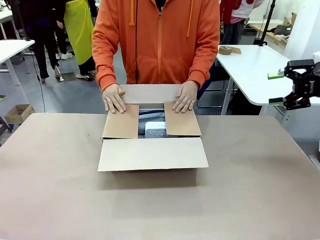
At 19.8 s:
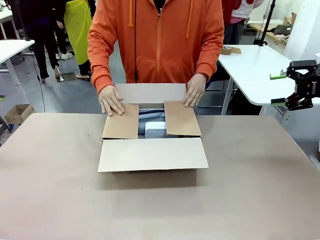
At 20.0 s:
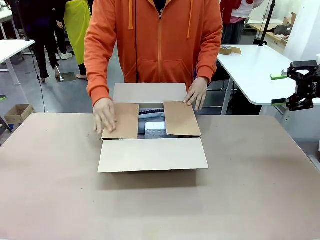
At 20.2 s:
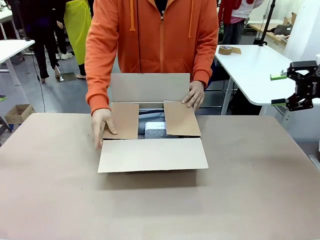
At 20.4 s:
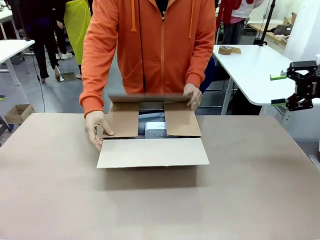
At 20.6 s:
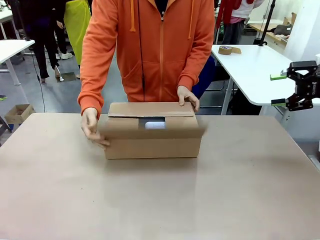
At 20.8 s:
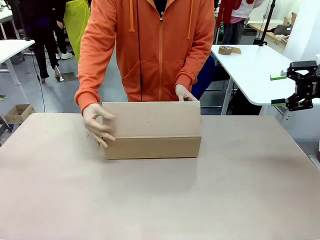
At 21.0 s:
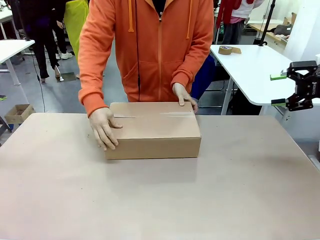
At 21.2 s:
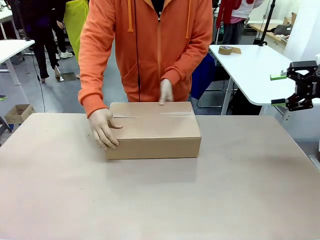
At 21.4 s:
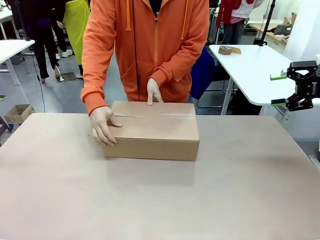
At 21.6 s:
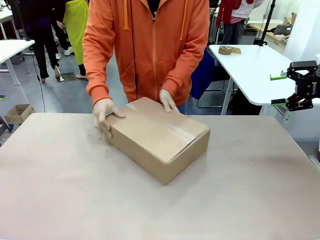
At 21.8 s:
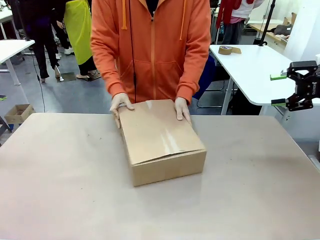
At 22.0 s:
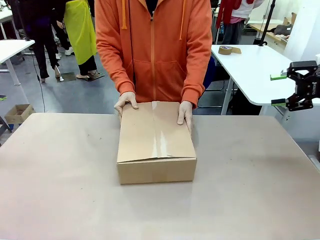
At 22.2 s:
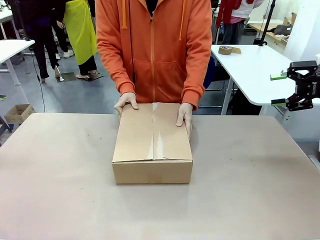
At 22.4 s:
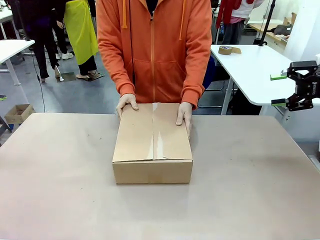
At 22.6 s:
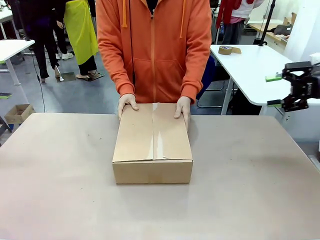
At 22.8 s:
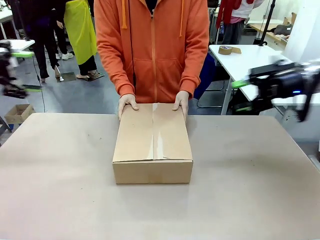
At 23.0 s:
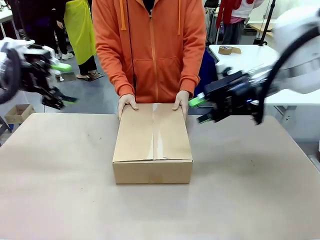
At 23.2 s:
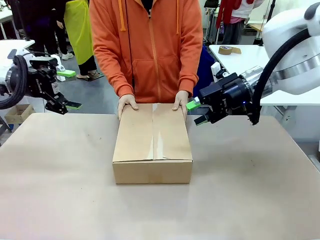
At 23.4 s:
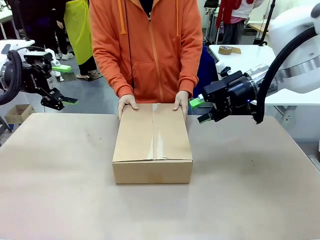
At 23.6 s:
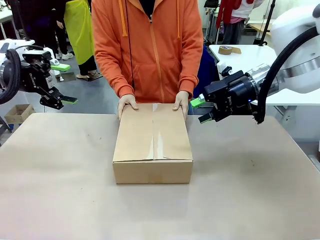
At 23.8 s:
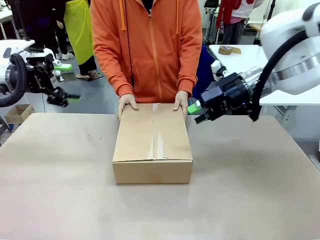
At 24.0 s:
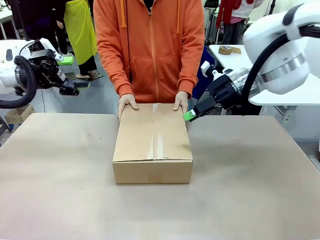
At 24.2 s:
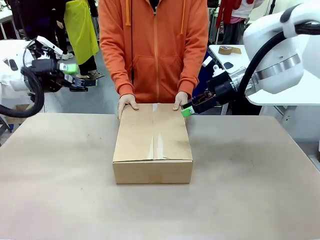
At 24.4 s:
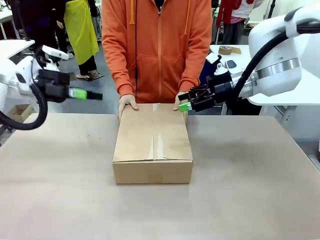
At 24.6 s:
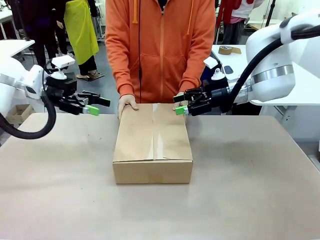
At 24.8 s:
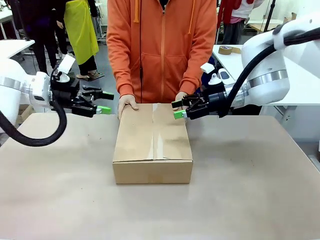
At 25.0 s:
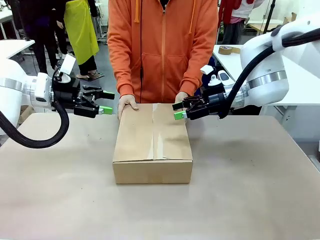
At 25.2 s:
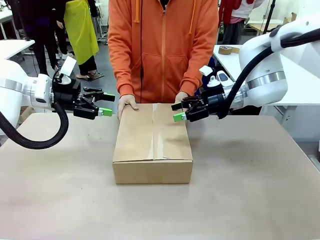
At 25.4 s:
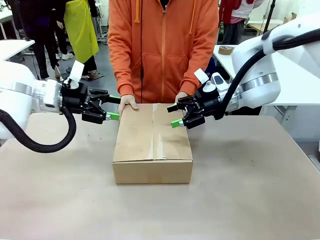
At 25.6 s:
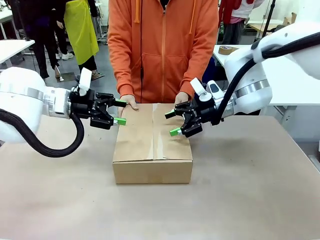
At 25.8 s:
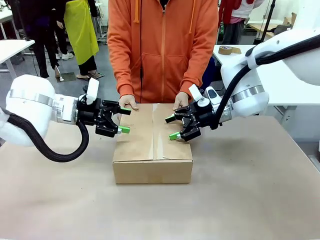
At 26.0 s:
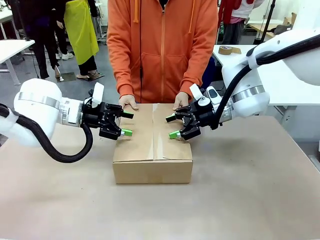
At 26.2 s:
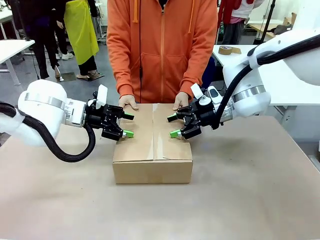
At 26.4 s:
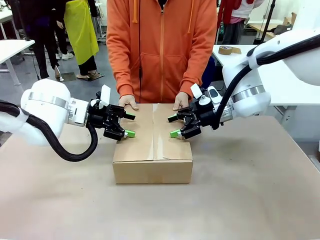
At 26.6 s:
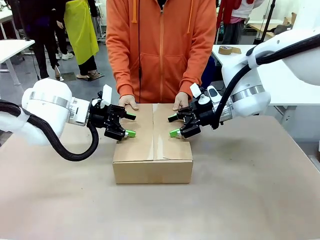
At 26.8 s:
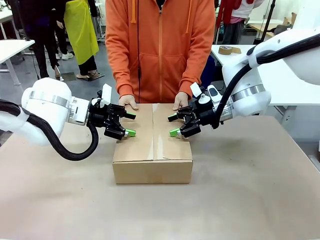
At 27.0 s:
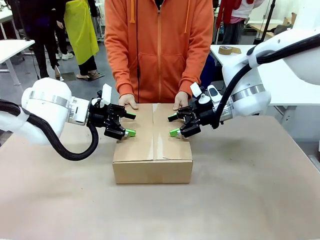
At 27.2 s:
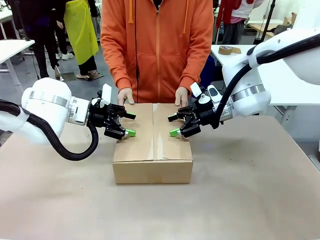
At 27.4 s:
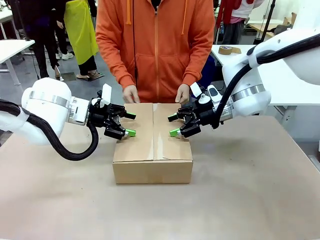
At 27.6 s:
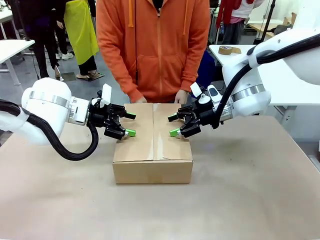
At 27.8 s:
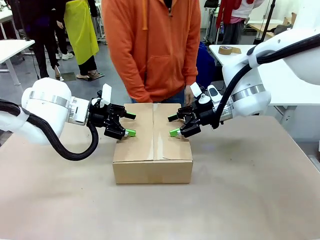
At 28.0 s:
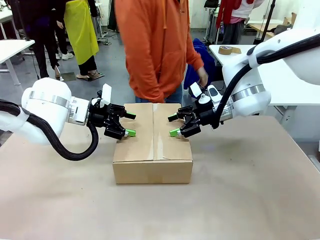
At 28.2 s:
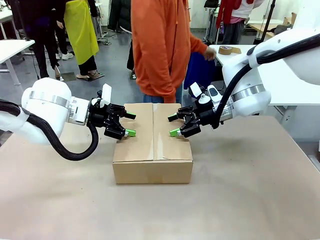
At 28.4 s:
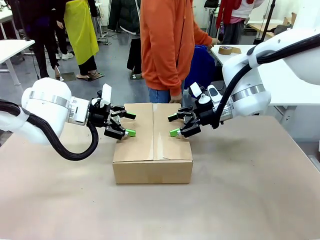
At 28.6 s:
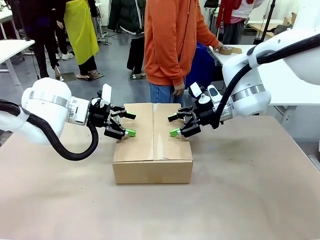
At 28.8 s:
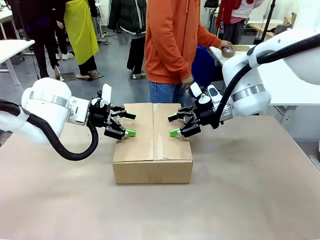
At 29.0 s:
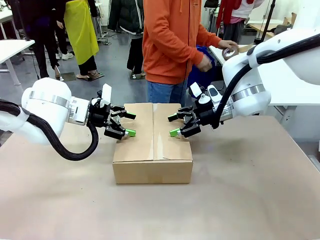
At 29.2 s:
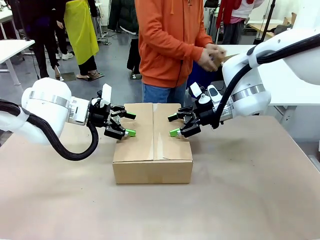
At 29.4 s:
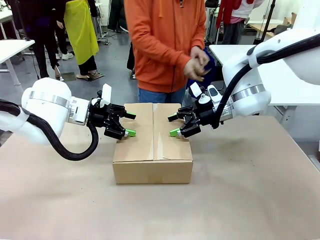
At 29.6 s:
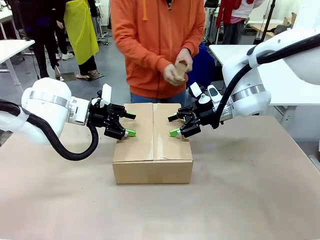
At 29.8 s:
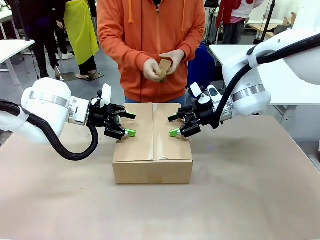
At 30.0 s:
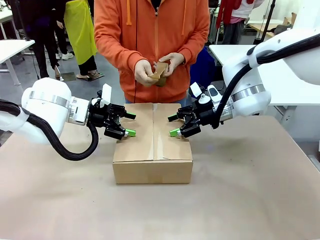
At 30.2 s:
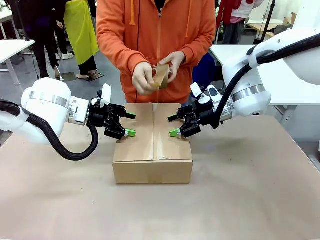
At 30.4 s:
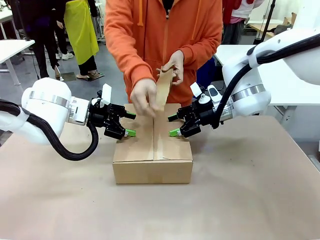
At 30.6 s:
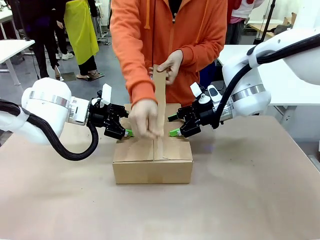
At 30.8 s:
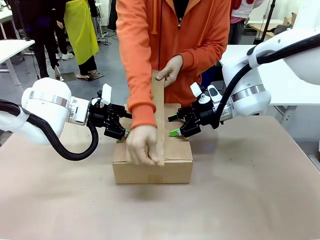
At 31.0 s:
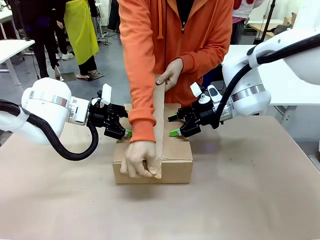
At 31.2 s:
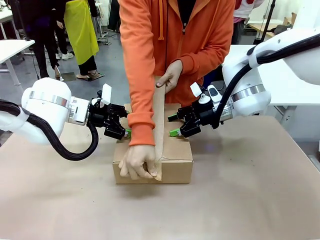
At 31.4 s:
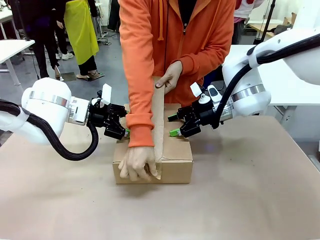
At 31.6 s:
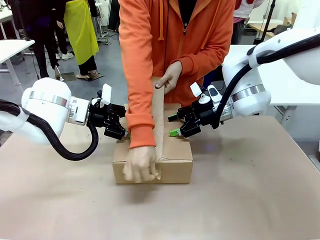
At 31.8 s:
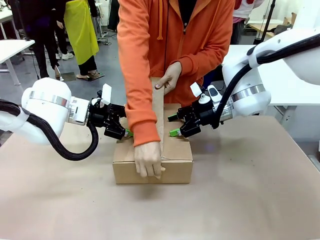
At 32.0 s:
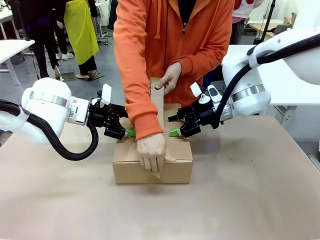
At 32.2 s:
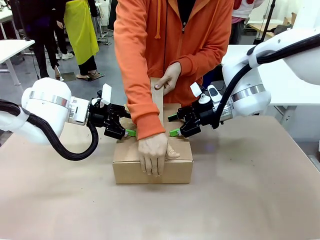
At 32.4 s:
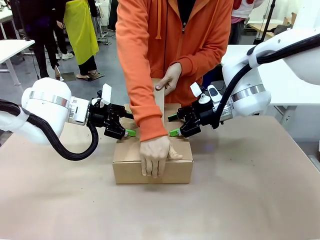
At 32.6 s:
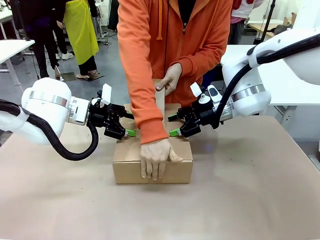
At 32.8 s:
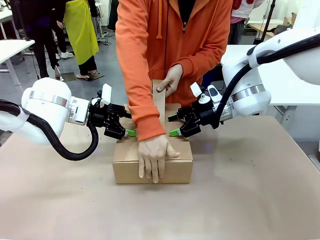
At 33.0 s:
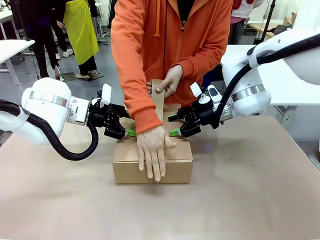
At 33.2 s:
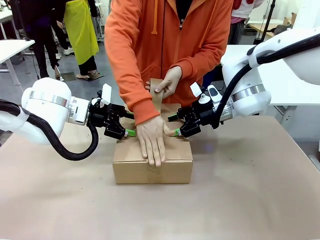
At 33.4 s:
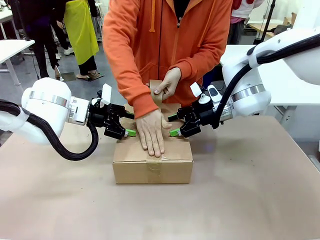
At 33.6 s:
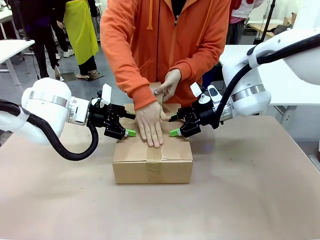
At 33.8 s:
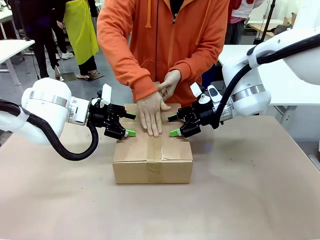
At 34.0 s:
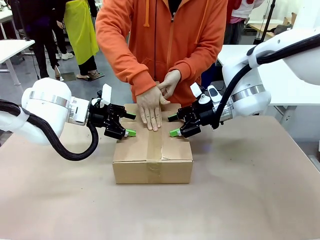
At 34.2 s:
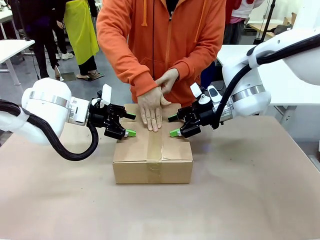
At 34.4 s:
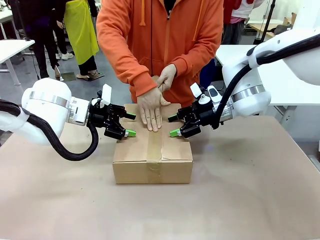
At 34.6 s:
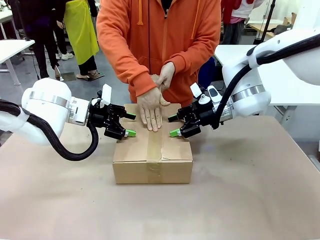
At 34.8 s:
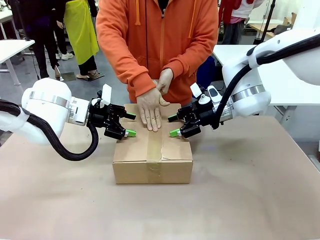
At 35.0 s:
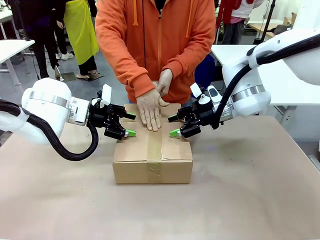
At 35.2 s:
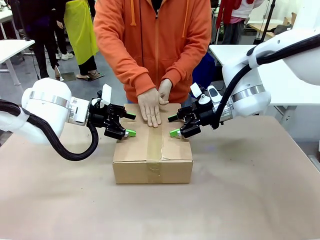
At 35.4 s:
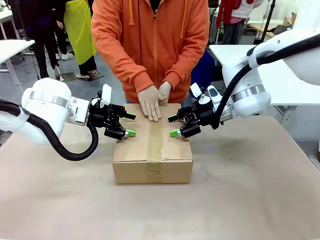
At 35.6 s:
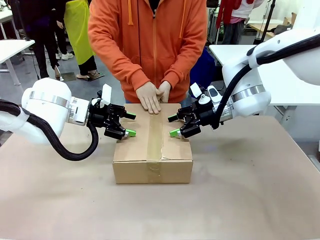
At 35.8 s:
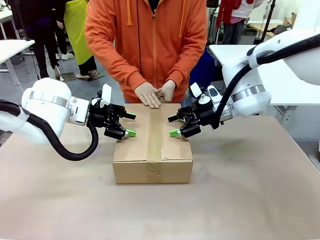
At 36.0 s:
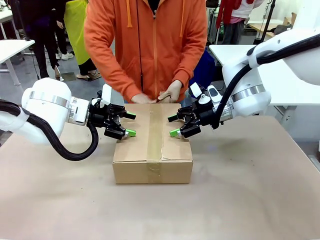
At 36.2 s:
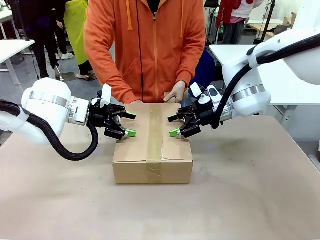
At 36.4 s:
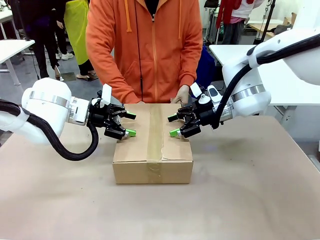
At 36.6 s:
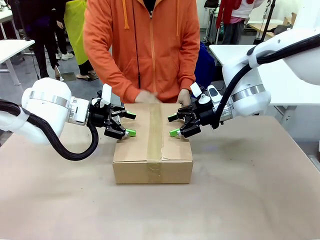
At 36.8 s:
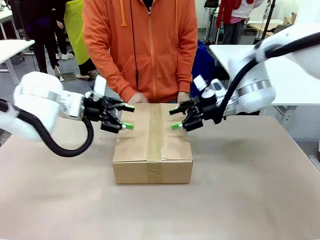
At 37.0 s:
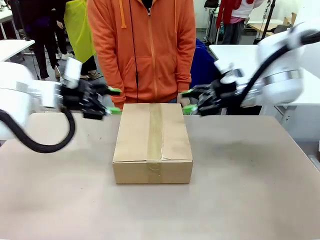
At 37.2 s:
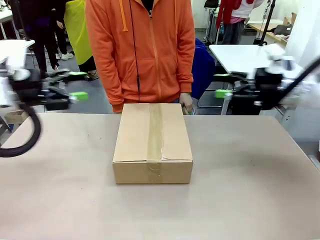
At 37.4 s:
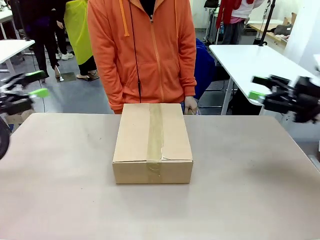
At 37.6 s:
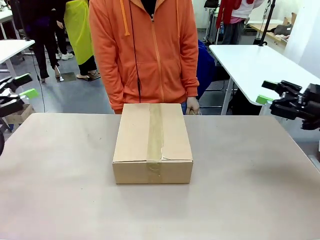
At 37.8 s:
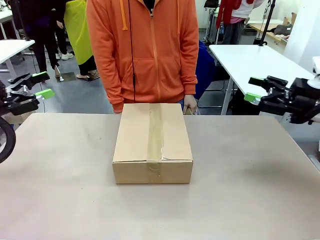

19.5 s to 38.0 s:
Task: Pack the gift set into the box.
Robot: Press and hold the closed box until the human finishes sealing it.
Person: The human closes the box and rotates the box by 90 degrees. The human picks up the paper tape from the human table and packs the box.
